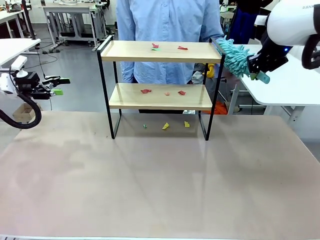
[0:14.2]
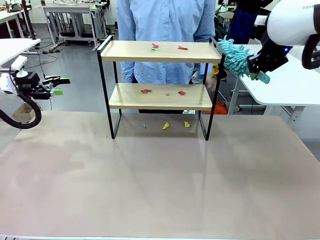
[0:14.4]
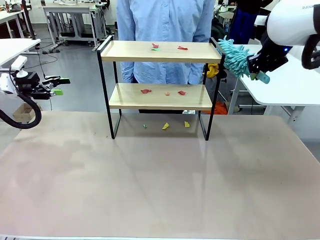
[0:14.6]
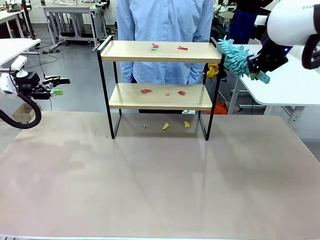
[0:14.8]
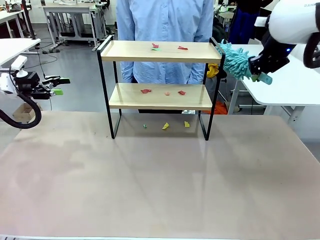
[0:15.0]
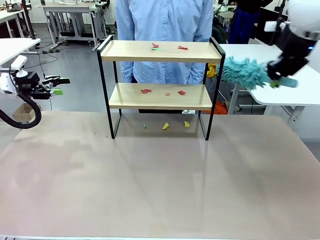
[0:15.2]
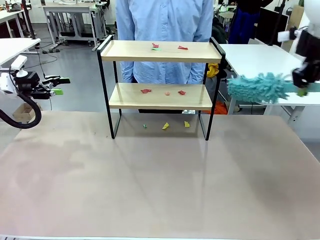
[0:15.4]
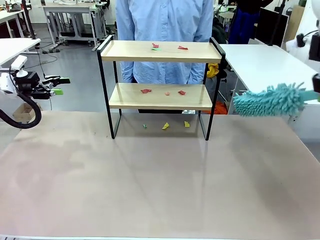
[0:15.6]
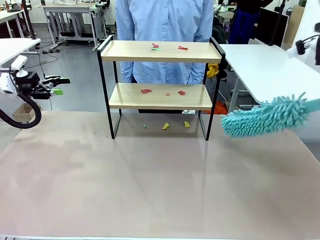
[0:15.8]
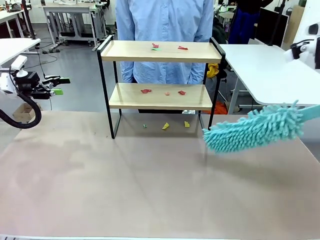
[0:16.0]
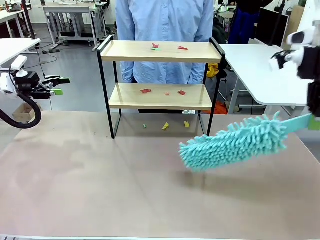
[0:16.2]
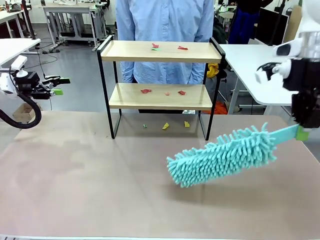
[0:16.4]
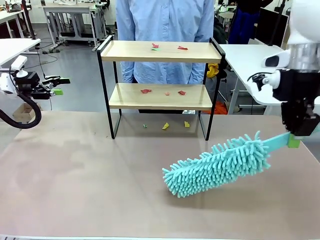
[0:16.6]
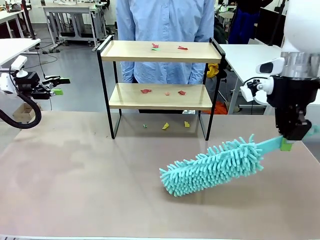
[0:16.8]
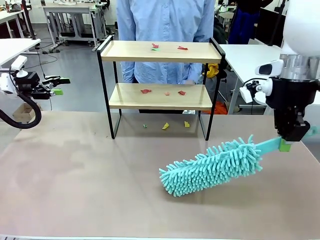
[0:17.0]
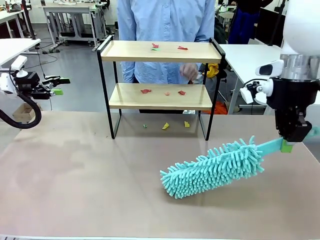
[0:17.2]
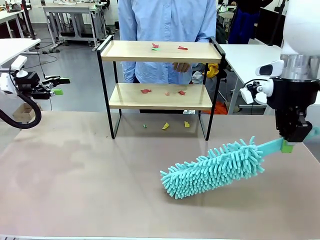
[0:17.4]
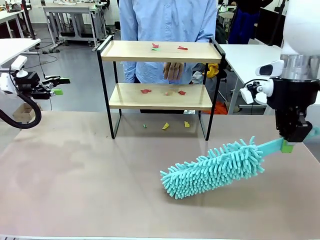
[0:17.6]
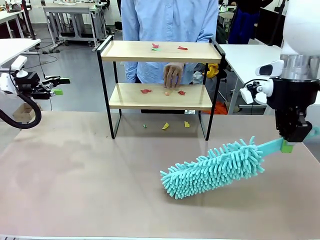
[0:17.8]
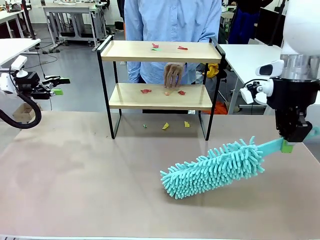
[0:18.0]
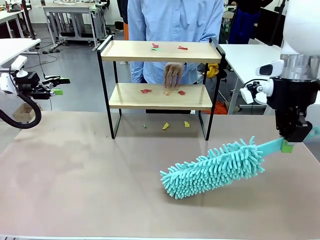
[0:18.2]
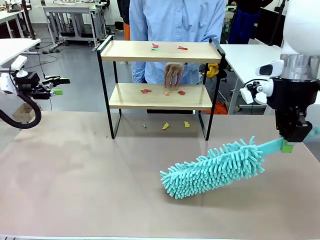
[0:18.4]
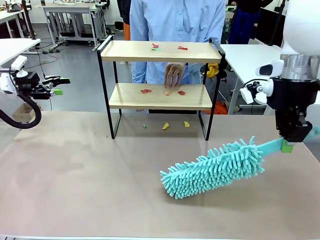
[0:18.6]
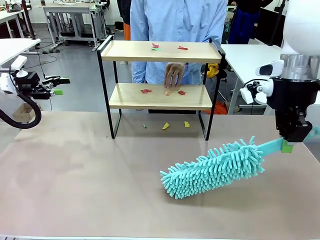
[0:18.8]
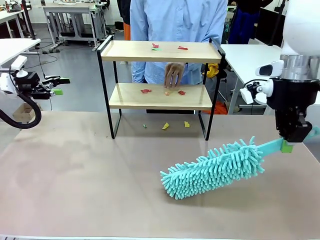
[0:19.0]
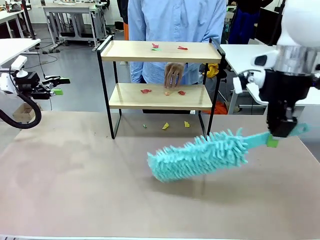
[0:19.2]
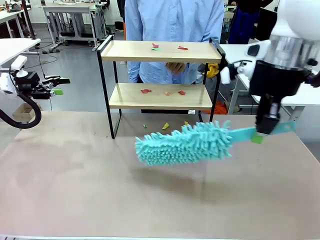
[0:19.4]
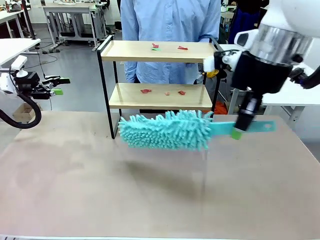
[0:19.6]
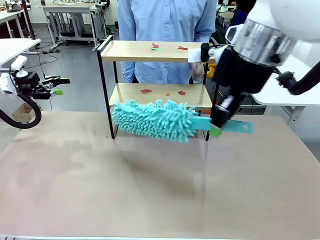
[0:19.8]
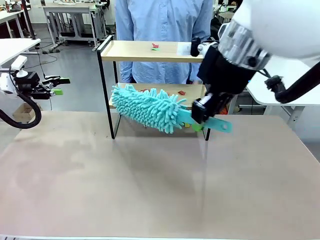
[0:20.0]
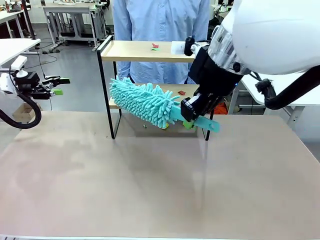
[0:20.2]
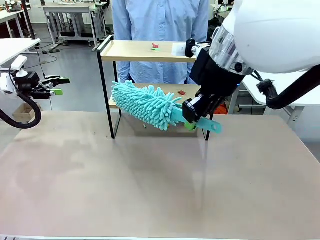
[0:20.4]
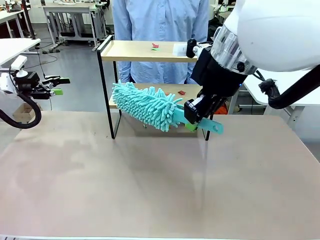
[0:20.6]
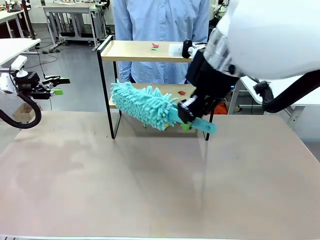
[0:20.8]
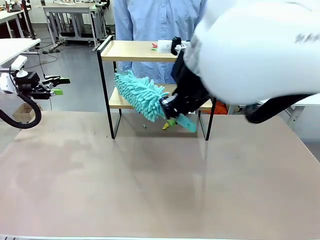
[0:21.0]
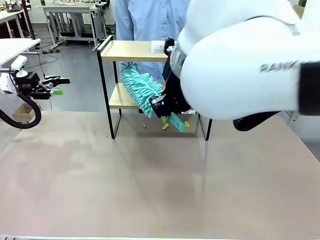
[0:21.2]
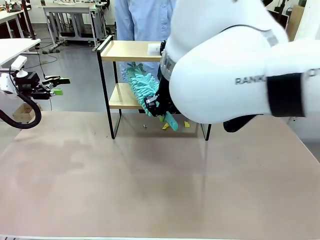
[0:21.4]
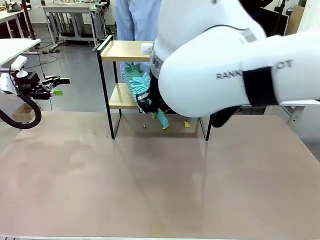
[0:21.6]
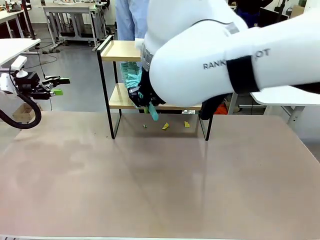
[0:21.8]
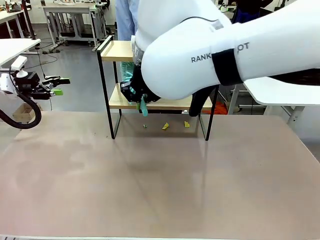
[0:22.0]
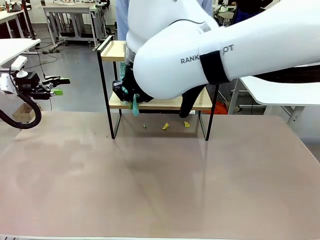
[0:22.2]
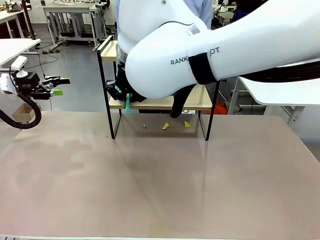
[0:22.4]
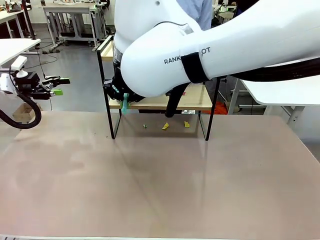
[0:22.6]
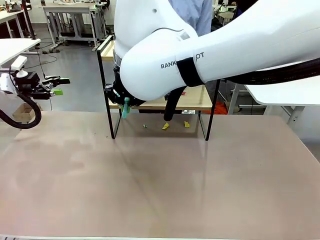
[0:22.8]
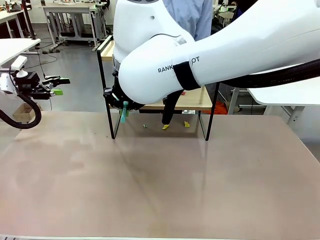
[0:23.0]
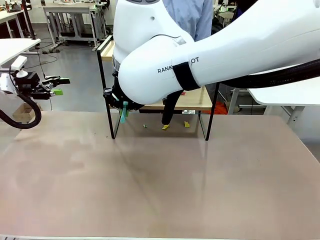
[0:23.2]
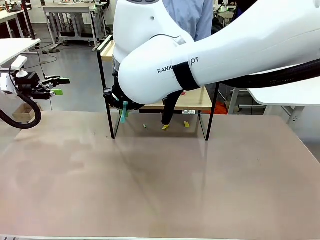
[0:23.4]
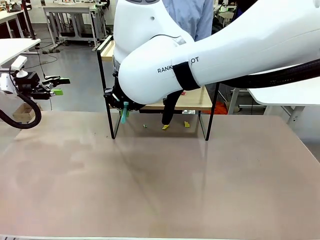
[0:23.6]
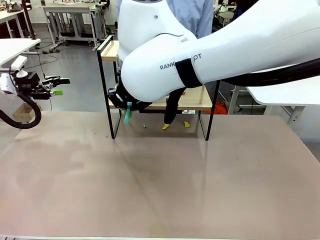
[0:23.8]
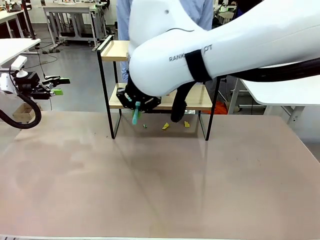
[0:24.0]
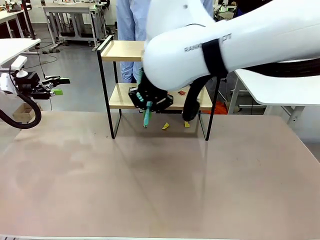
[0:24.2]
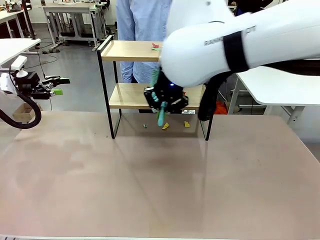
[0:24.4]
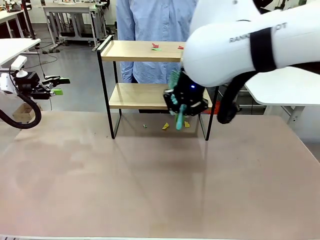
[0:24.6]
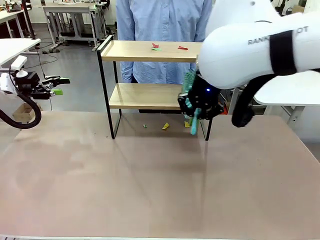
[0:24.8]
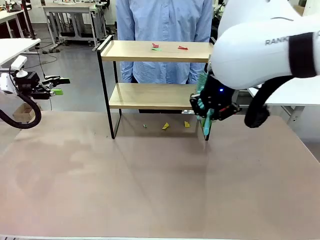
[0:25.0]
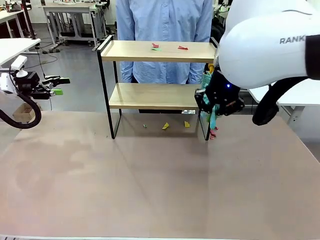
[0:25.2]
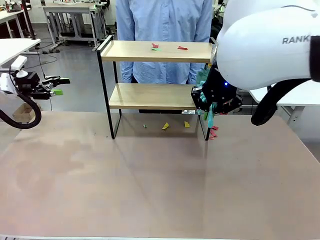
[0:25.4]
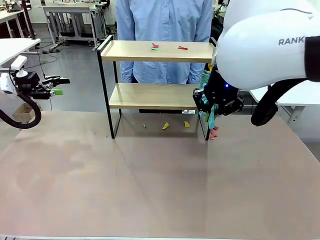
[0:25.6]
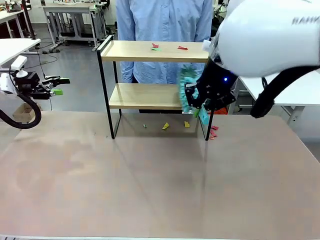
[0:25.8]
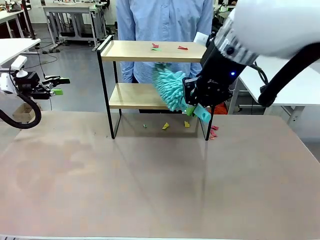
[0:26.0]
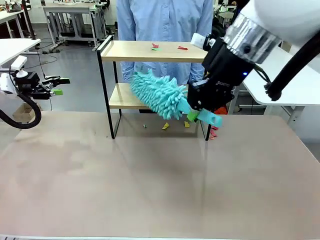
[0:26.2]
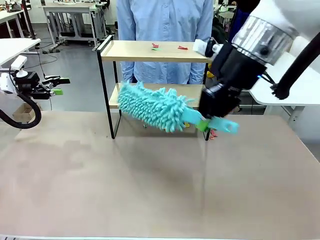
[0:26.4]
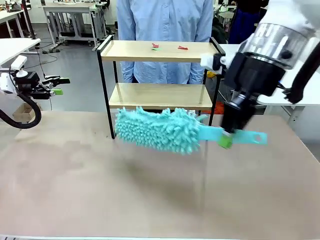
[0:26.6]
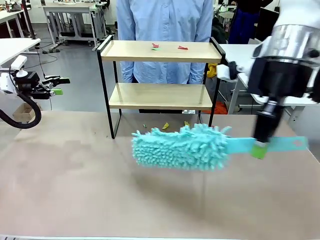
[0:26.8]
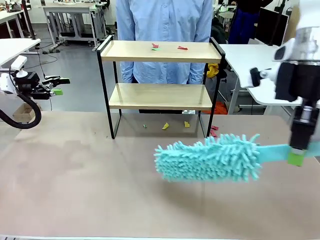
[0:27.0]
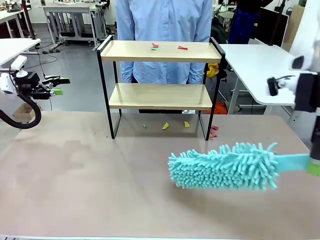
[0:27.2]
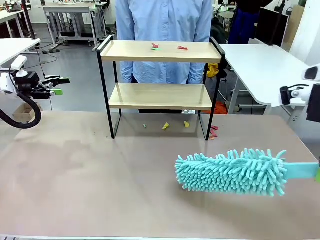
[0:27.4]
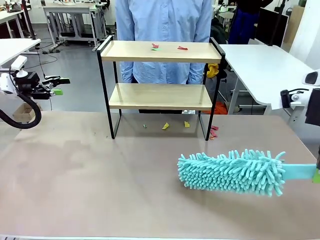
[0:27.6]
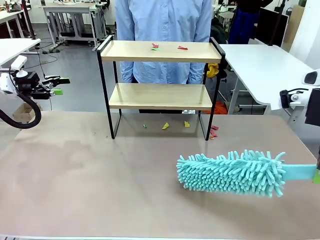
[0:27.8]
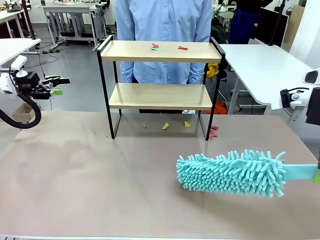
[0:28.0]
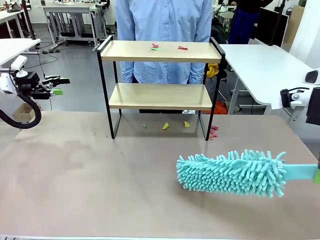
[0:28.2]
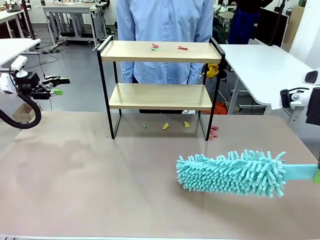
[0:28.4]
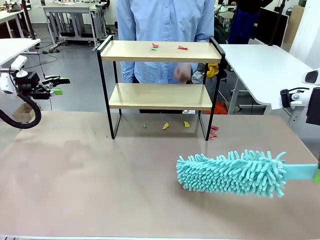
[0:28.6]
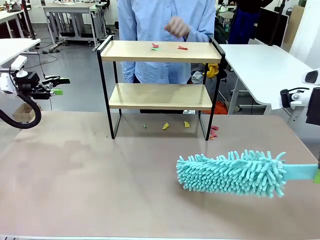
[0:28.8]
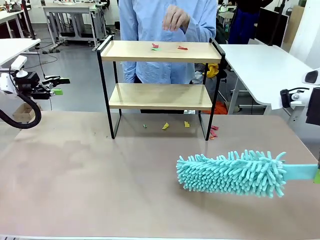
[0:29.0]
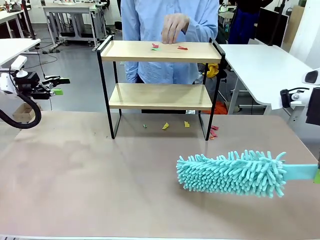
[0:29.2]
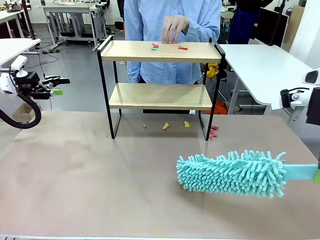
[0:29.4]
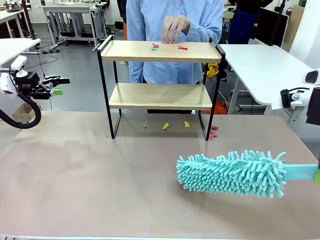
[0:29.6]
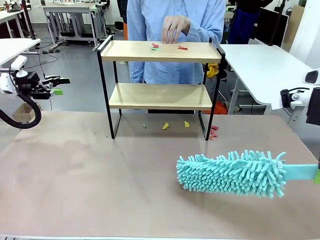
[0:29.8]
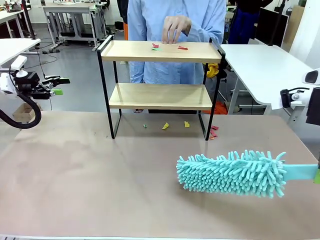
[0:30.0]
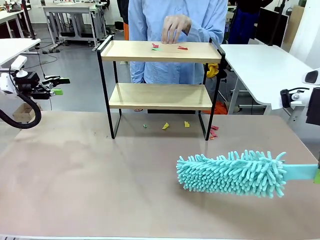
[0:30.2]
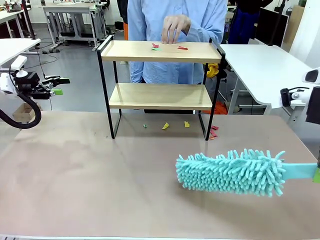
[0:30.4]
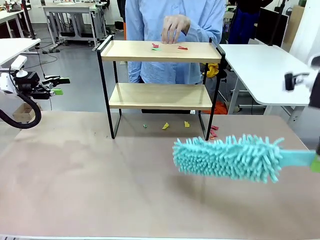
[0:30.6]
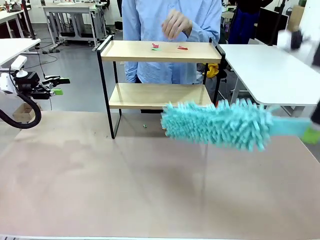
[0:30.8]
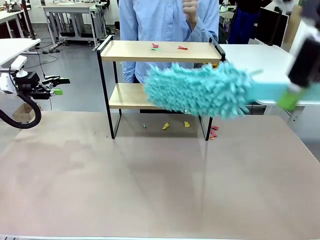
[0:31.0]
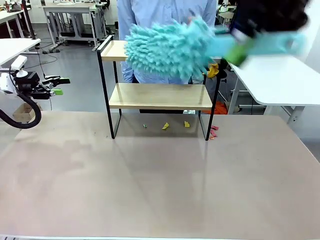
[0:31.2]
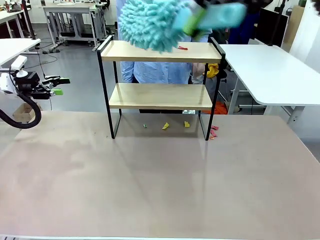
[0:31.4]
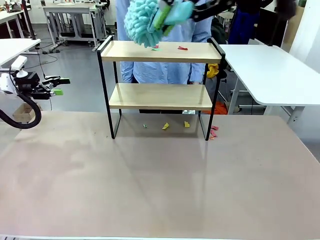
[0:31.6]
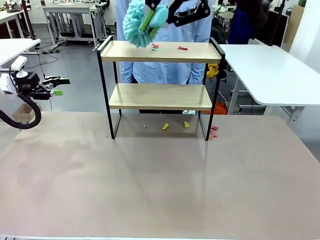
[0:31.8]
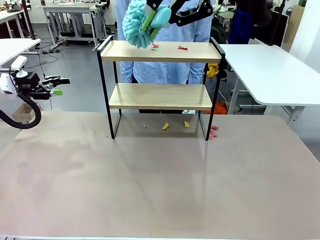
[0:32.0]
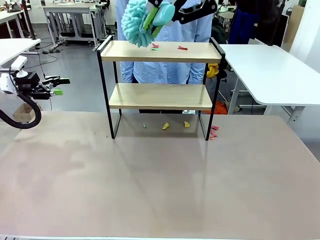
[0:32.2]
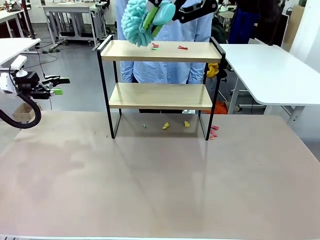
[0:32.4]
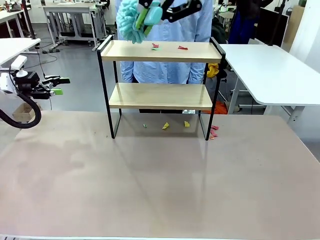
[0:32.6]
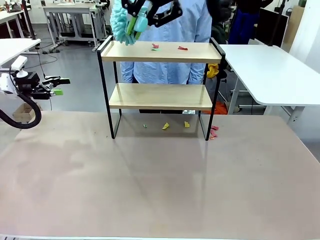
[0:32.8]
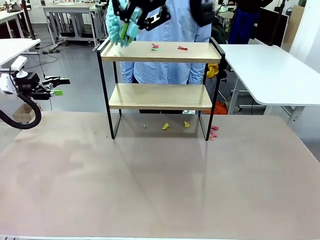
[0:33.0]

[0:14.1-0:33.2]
Task: Clean the shelf.
Robot: Clean the specific section of the Shelf indicated by the human with the Duster.
Person: Point a random section of the Shelf.
